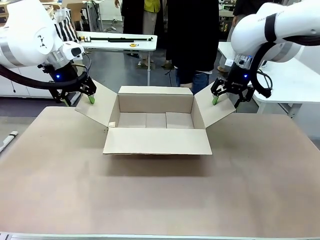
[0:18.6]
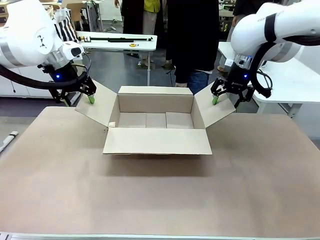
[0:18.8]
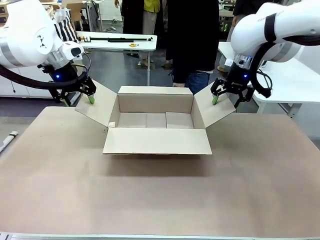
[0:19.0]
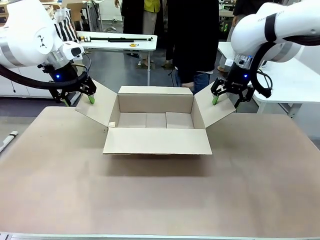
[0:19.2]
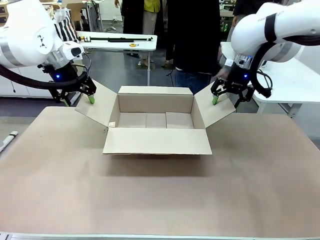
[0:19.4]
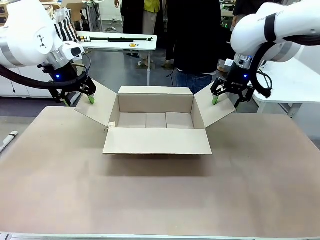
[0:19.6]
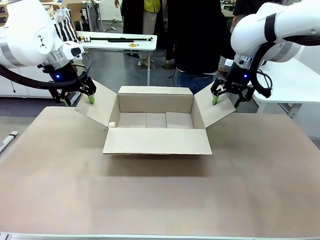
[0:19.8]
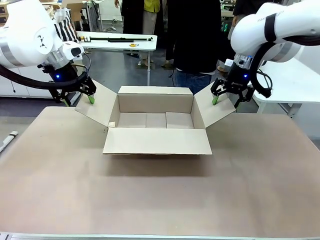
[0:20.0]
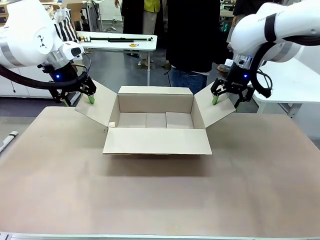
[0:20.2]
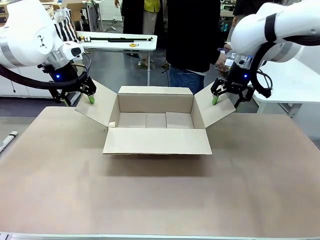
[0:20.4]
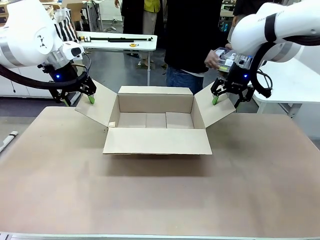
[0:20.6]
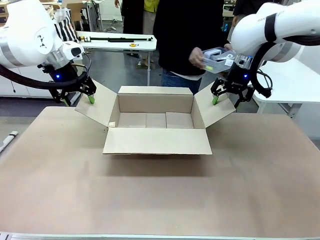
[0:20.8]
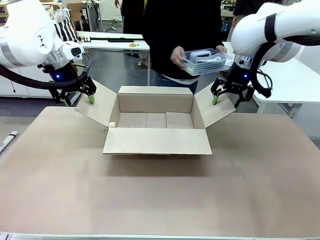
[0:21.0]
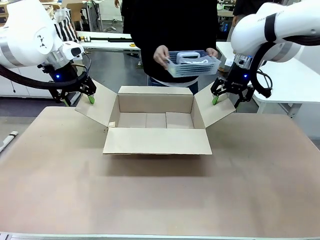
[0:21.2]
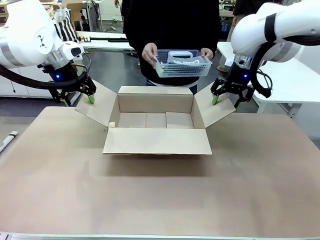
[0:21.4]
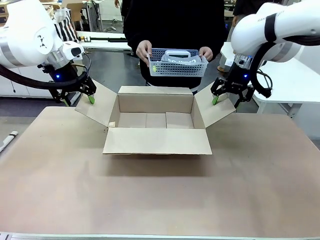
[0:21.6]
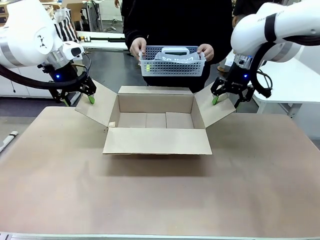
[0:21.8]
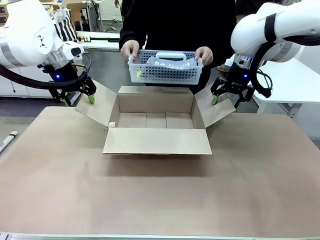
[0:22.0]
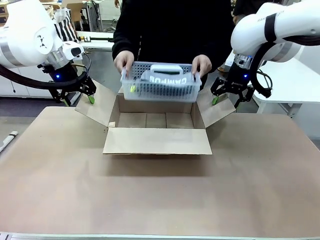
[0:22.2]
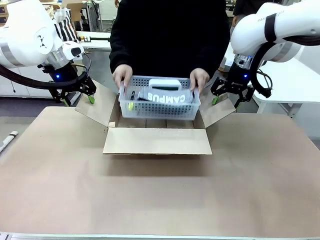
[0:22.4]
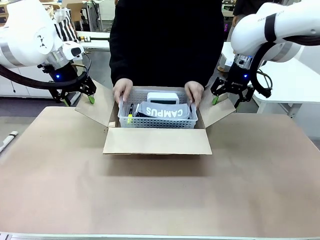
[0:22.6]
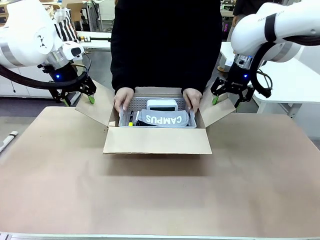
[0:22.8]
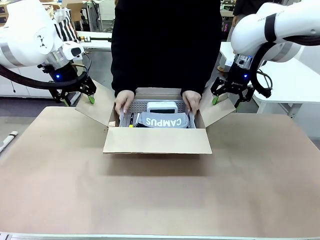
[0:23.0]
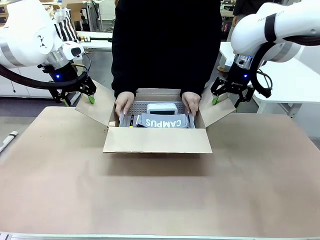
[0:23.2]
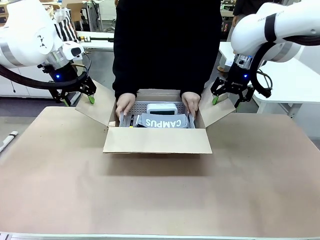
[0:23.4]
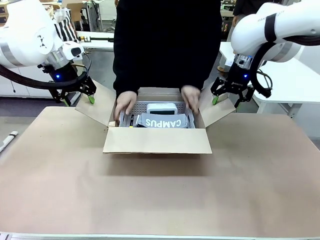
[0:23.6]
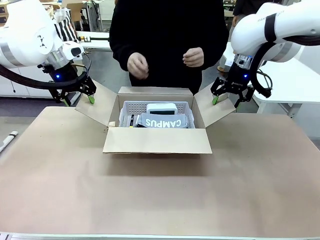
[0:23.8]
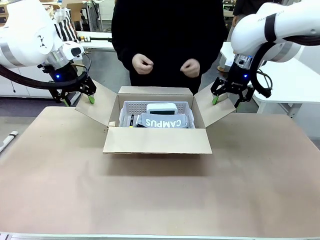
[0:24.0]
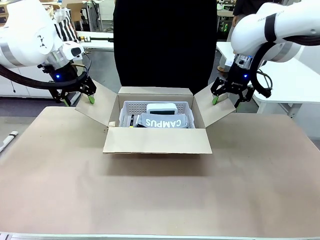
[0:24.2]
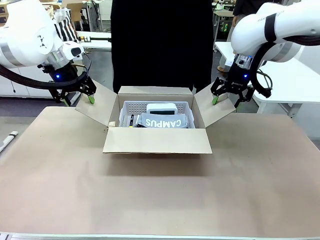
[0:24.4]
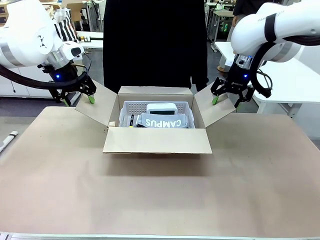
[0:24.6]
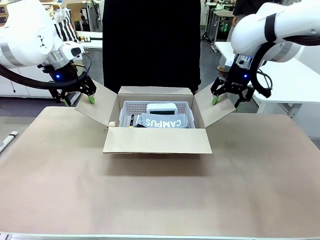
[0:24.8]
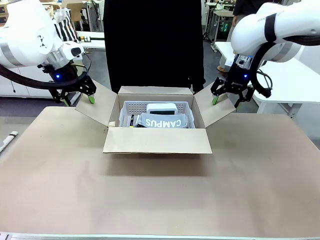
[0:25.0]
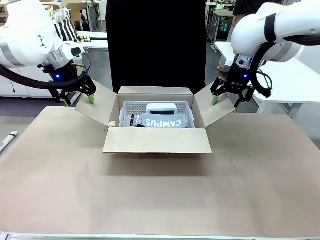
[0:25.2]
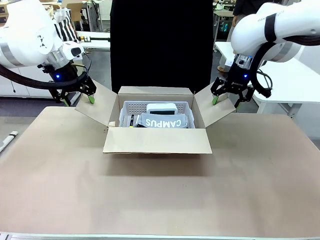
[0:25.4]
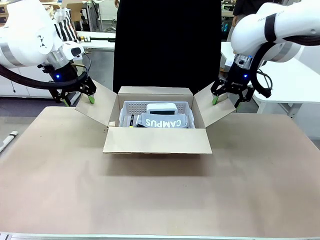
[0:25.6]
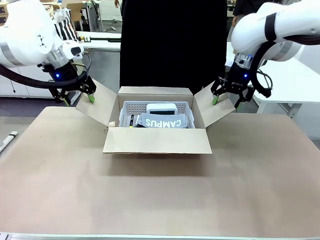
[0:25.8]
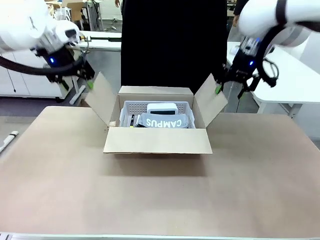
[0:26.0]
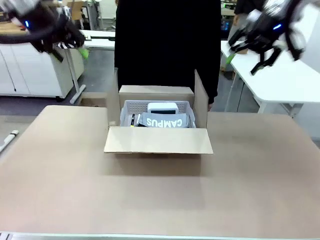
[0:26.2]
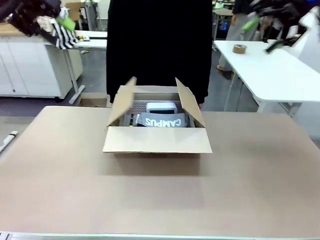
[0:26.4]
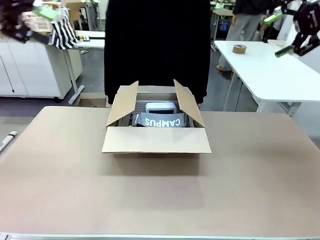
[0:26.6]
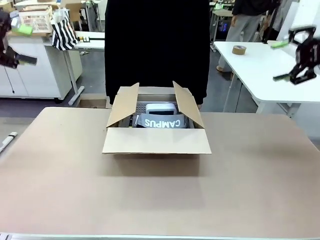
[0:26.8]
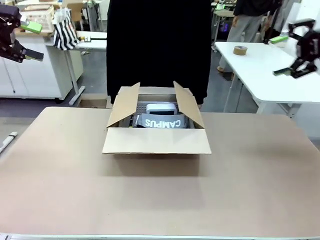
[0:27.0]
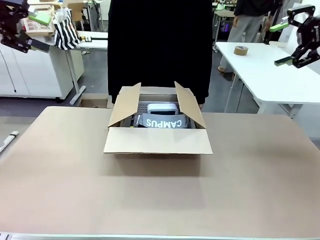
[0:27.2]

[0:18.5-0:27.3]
Task: Pack the gift set into the box.
Robot: Lift both hands away from the flaps of the Package Box.
Person: The human picks up the organizing basket and places the organizing basket into the package box on the robot table.

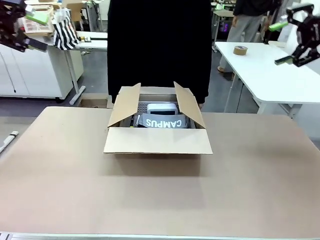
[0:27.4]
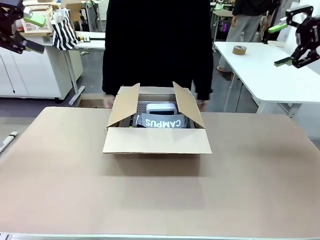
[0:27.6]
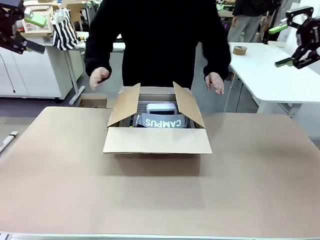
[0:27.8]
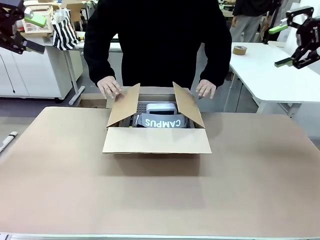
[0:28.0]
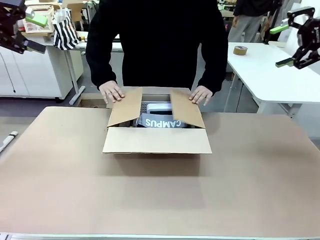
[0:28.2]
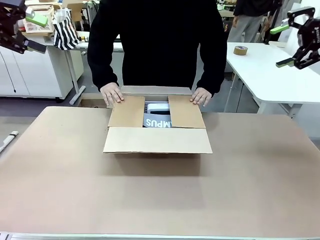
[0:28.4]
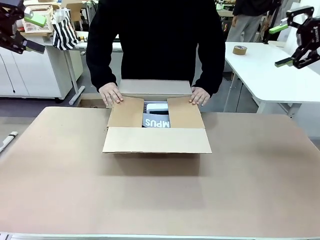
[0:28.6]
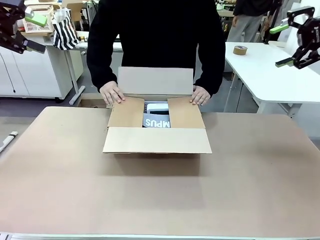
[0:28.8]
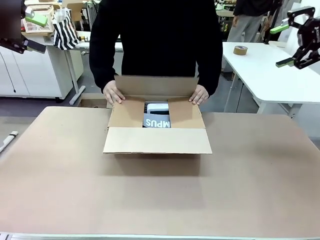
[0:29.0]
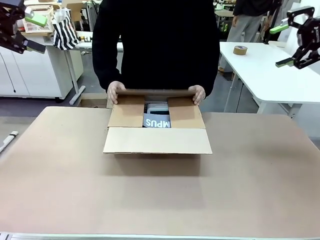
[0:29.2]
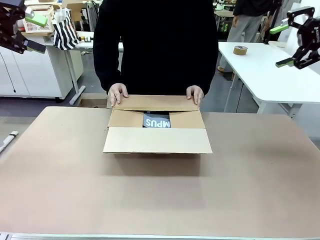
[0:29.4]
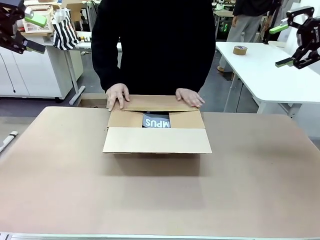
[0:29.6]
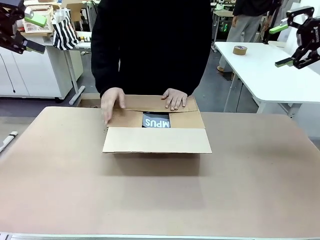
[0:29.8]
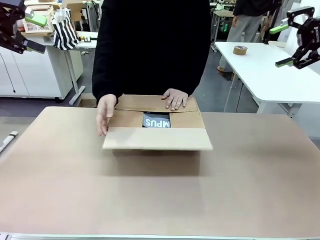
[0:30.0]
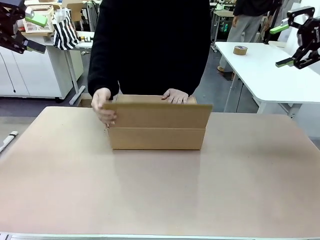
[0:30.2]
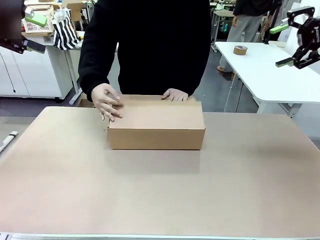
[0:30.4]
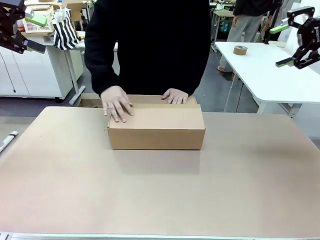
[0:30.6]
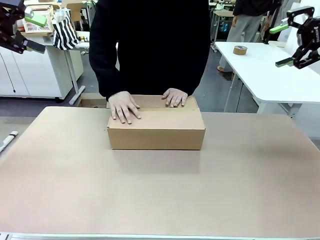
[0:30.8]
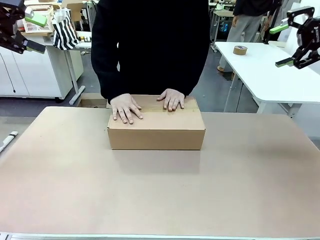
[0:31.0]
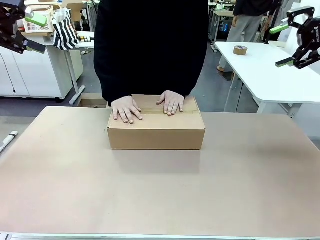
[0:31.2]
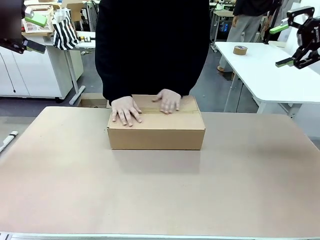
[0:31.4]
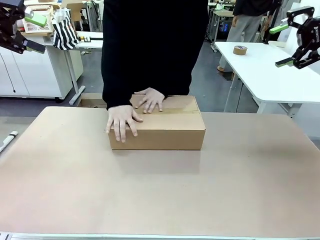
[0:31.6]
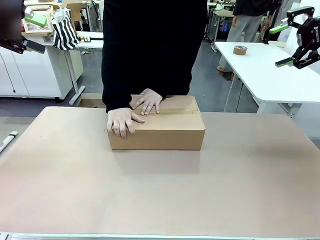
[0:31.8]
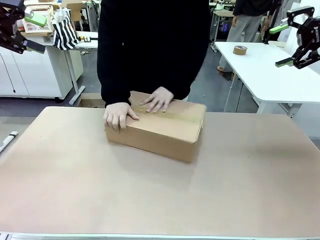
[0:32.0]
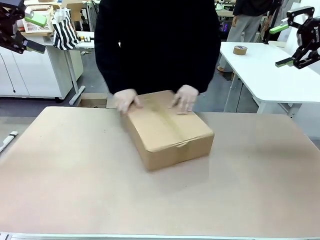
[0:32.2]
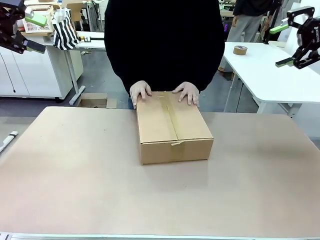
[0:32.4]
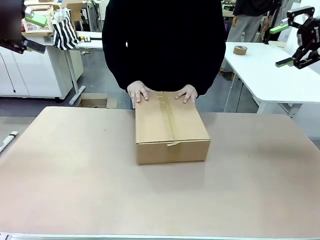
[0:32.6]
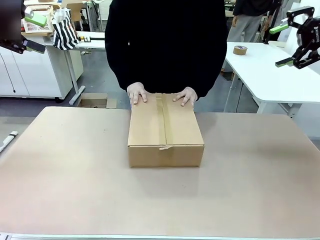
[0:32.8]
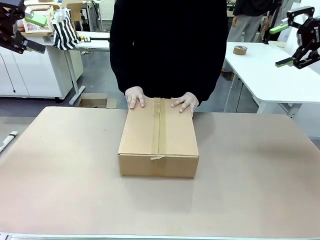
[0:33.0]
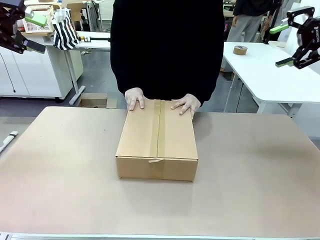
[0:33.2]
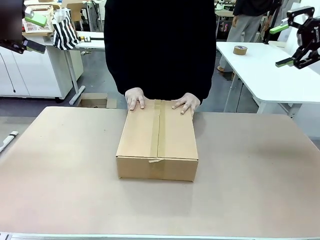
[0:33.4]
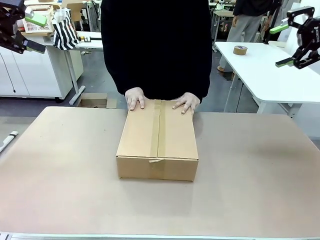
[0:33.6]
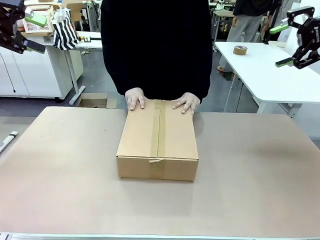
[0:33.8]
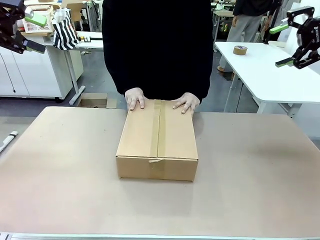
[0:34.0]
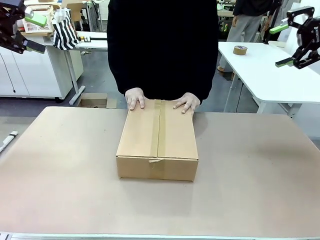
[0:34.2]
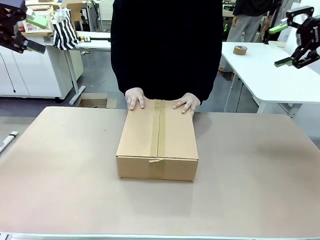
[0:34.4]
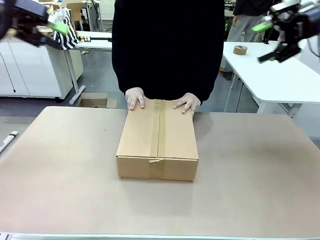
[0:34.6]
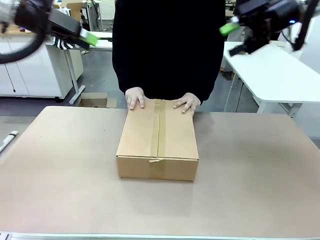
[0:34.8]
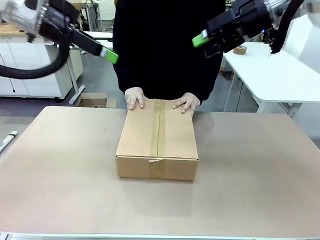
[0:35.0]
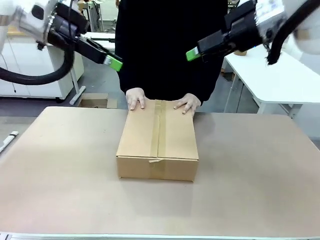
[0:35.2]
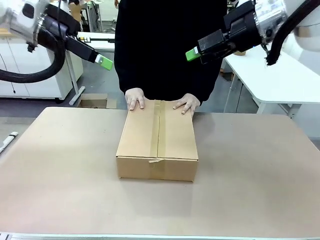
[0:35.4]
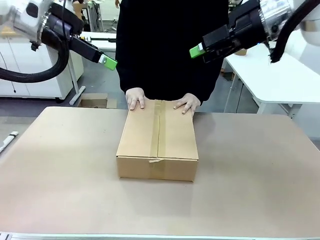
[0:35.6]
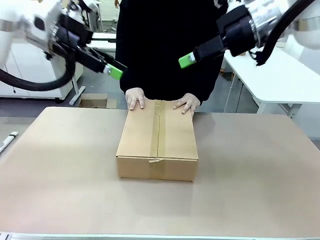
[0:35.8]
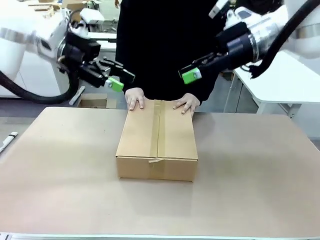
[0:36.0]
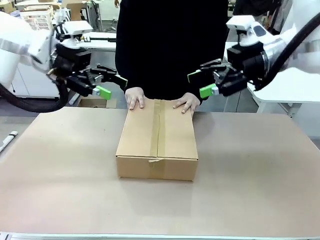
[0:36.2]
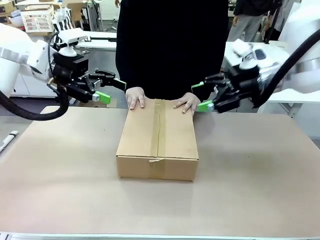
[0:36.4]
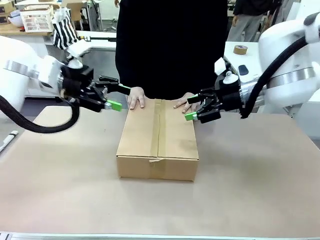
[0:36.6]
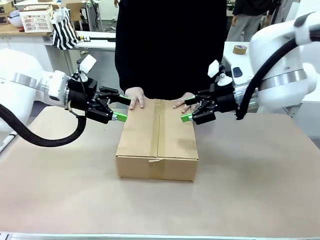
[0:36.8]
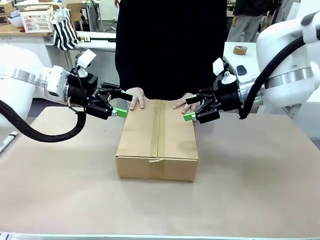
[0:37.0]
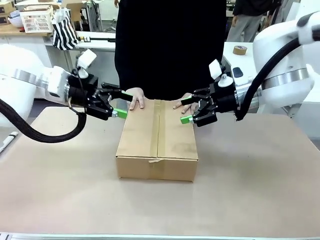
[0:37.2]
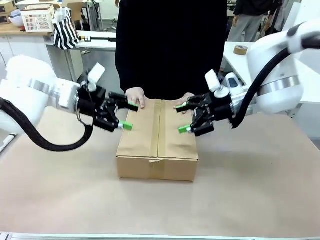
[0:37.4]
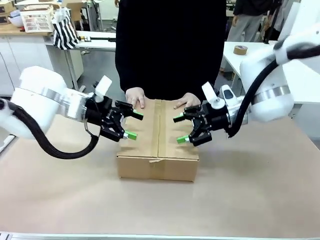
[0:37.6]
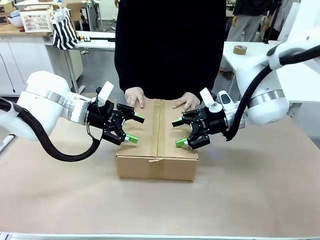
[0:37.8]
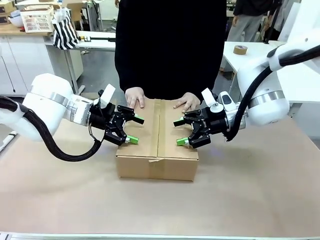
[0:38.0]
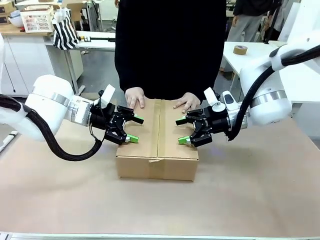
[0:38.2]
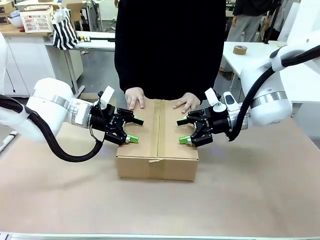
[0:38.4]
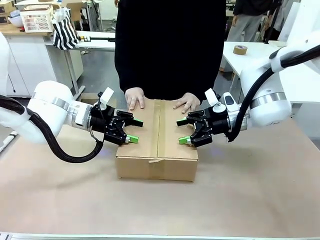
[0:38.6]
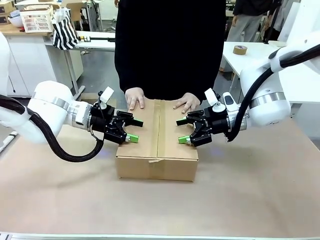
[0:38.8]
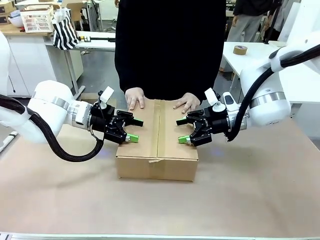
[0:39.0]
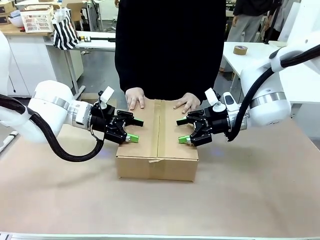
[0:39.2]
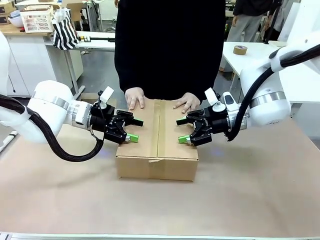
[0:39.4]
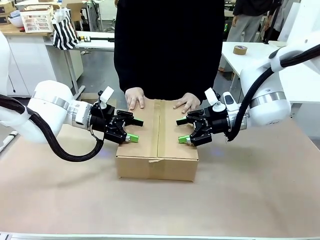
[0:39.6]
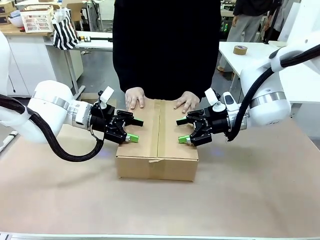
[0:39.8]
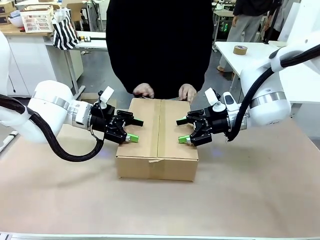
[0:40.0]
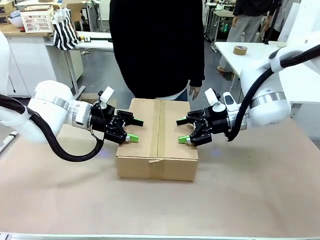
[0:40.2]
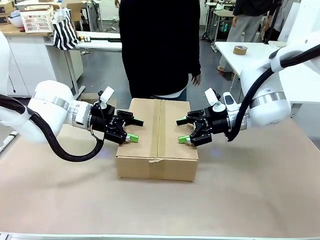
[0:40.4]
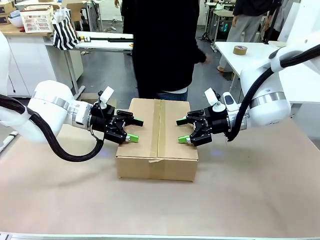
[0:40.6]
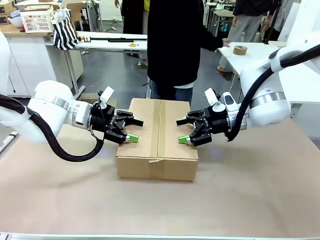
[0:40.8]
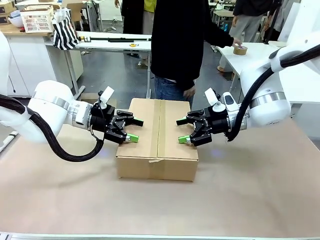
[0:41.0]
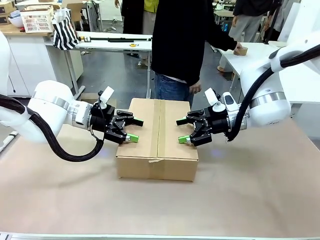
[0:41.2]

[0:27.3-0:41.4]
Robot: Press and hold the closed box until the human finishes sealing it.
Person: The human closes the box and rotates the box by 90 degrees.
